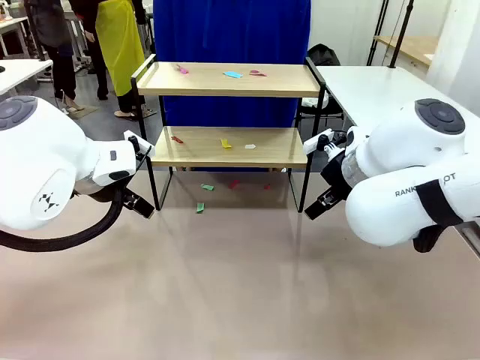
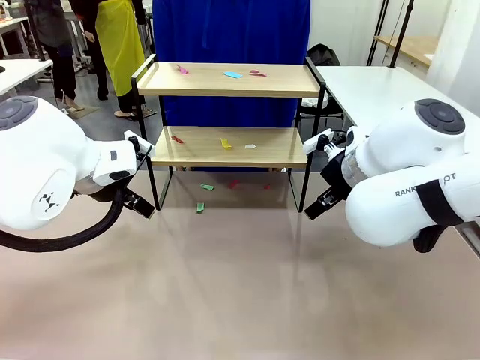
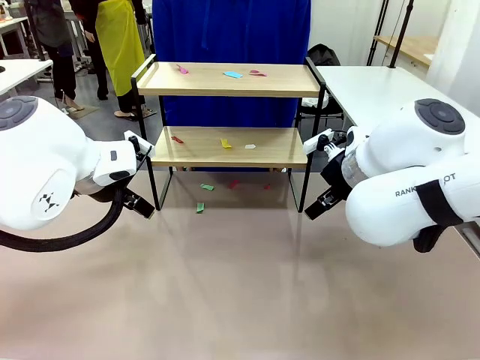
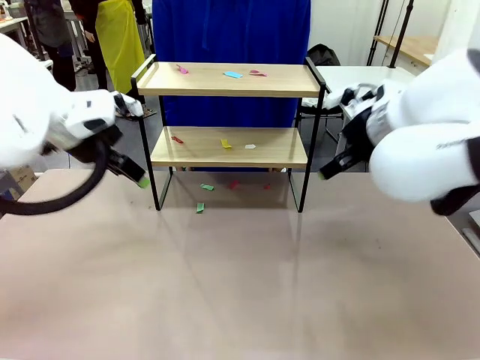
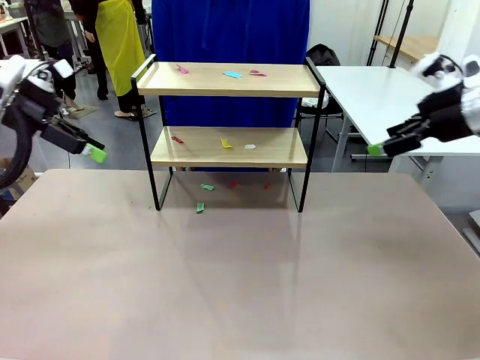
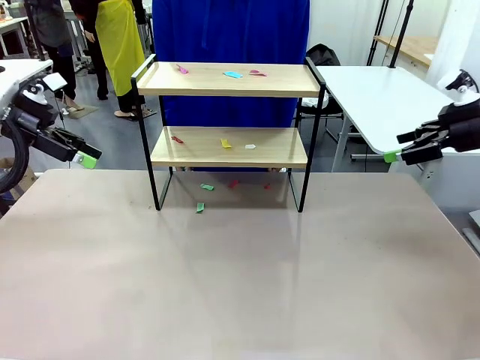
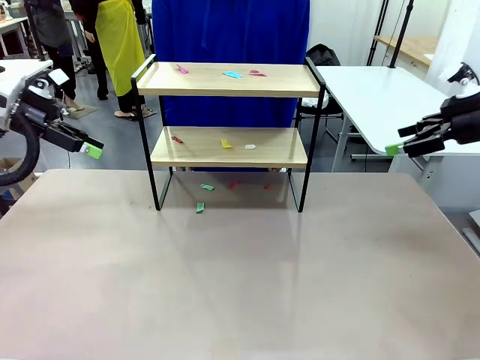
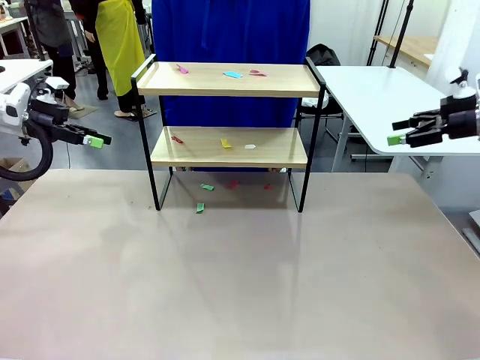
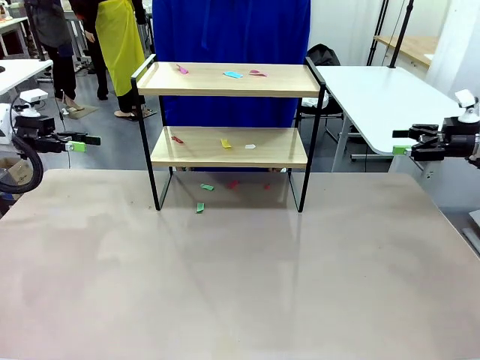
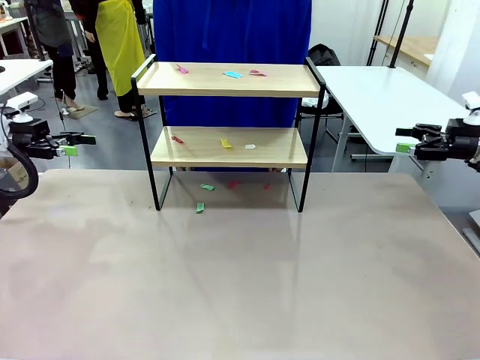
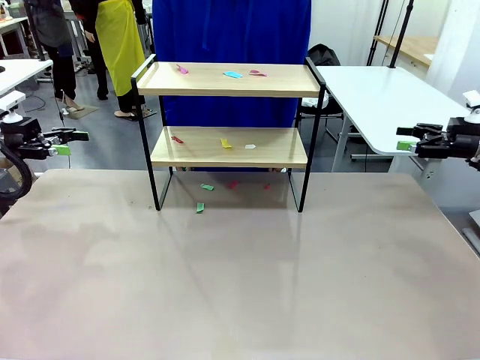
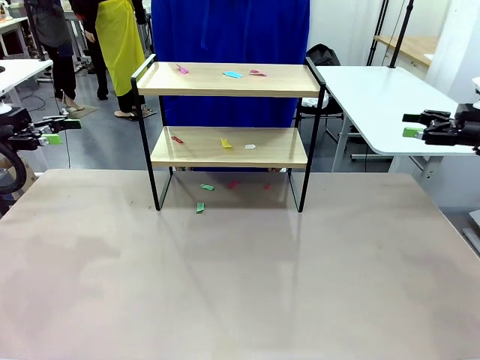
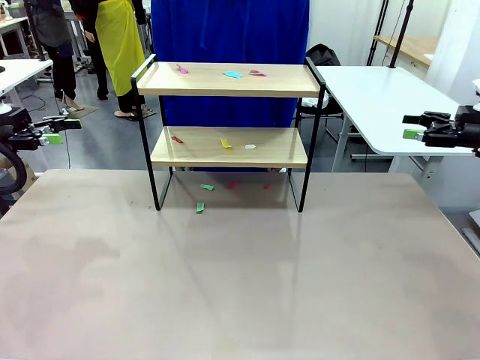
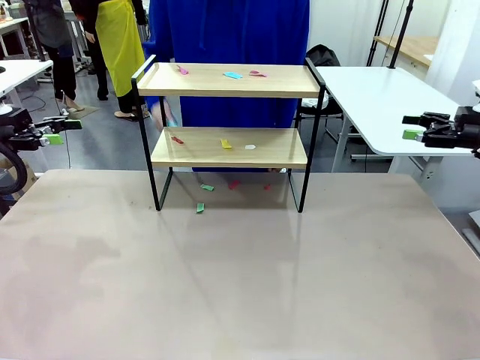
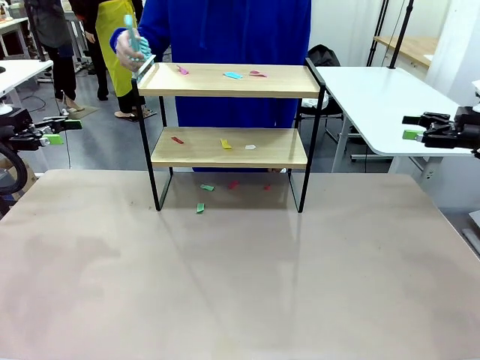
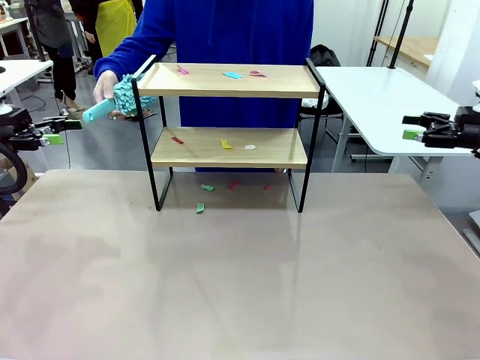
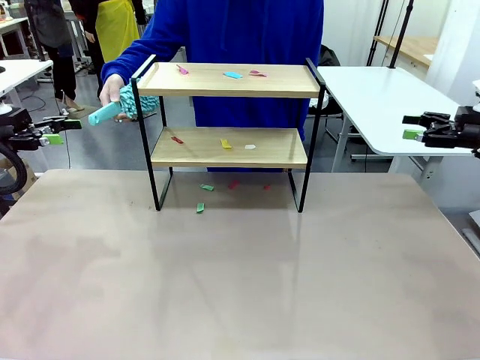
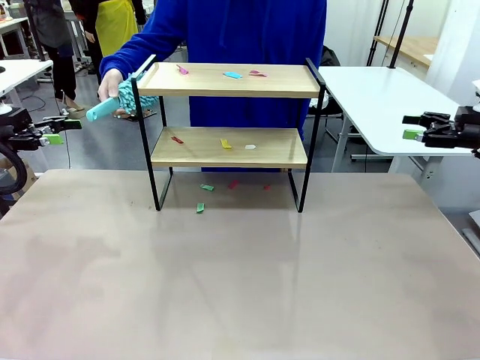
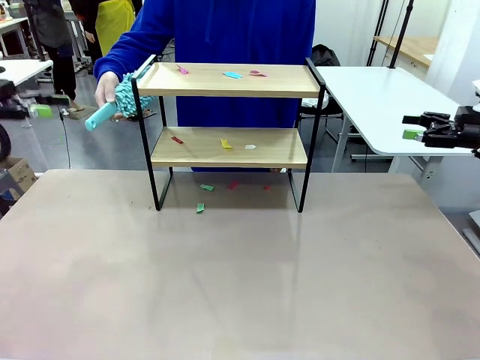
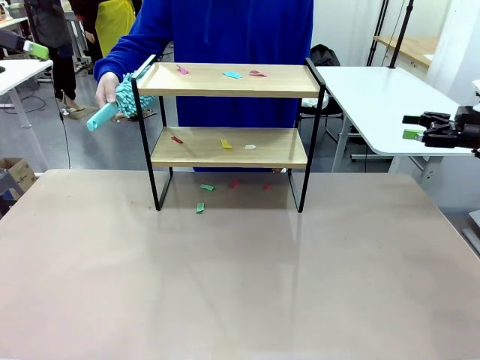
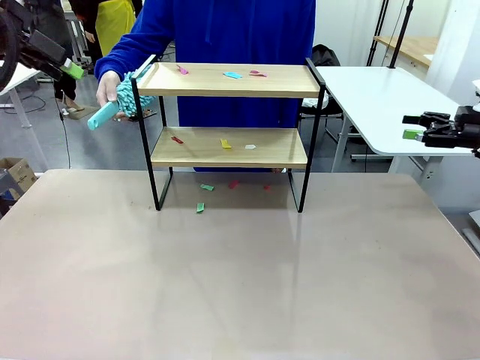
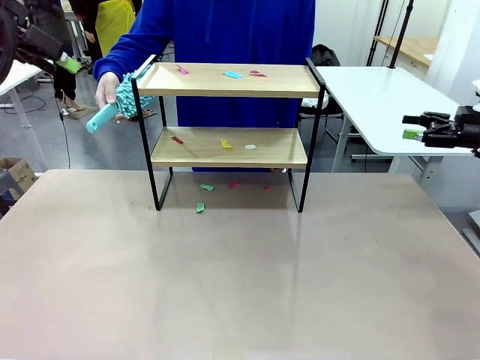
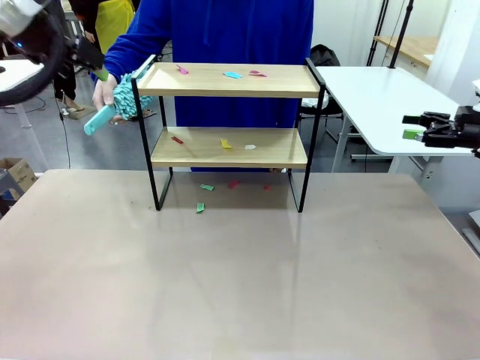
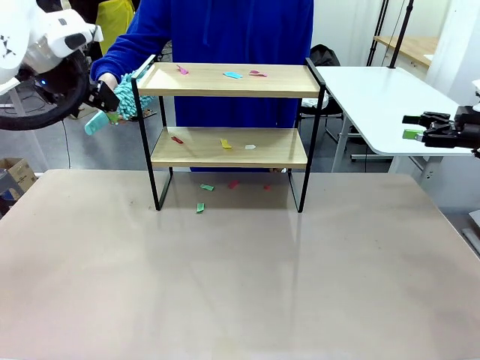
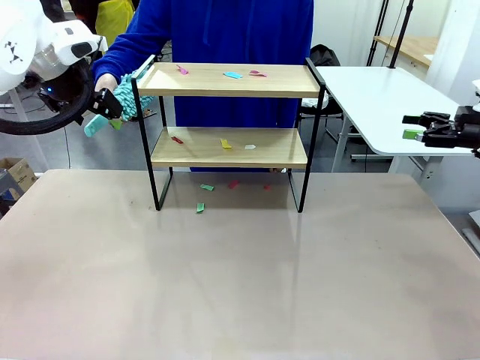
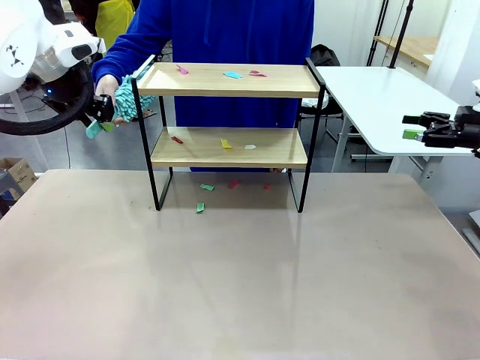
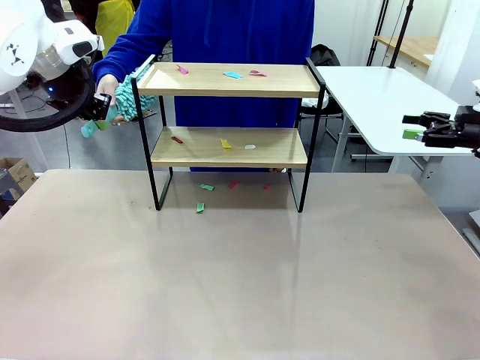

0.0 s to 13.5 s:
Task: Clean the shelf.
Robot: Pick up the Duster handed by the human.
Person: Hand the Duster to the robot.

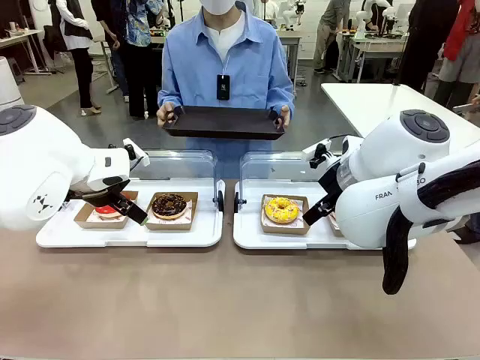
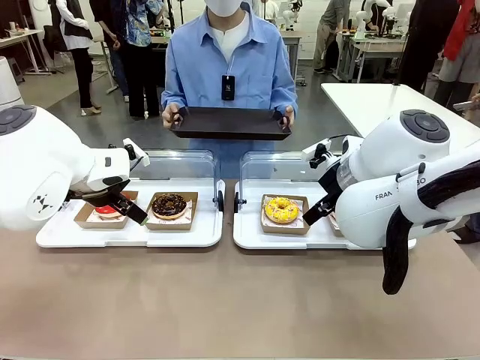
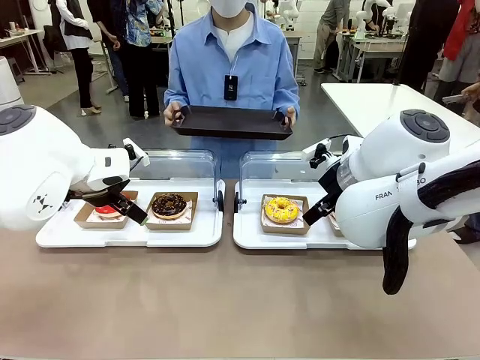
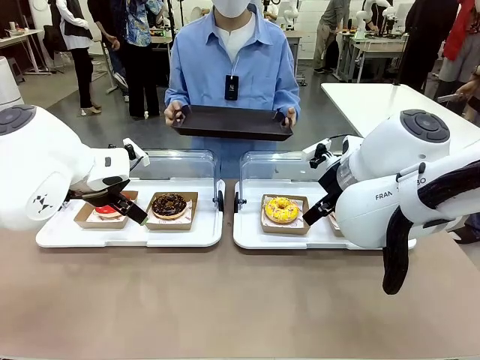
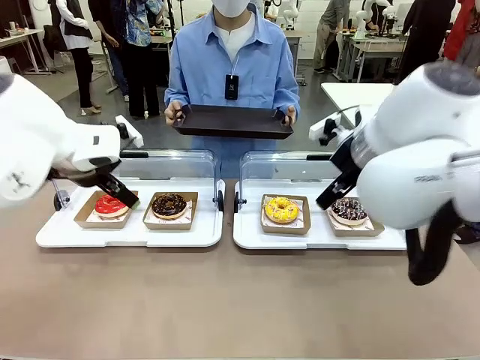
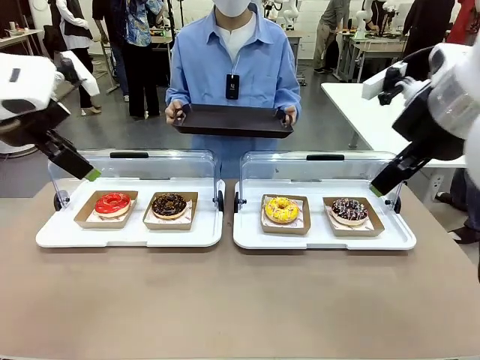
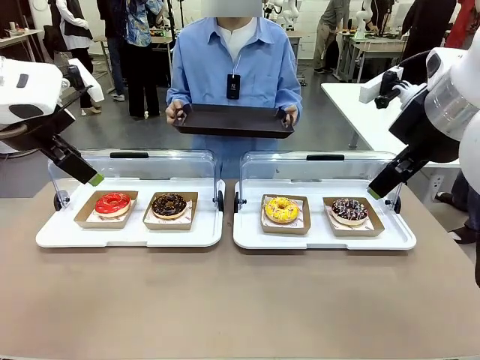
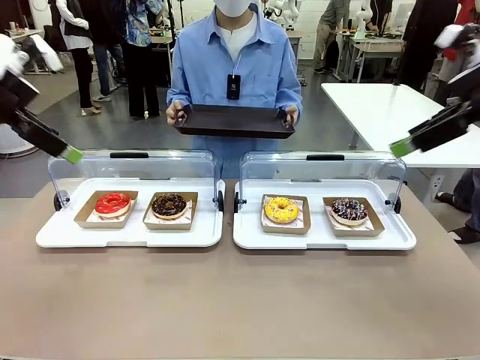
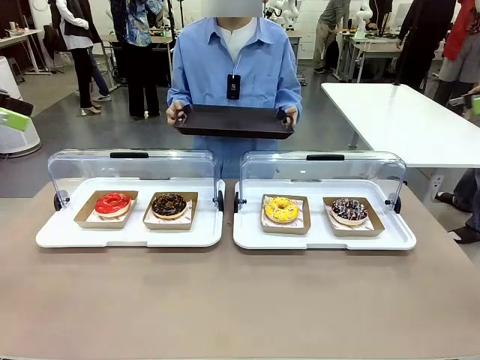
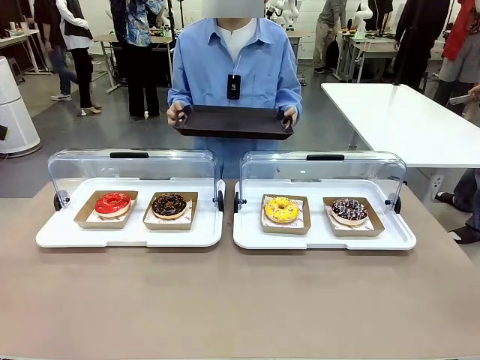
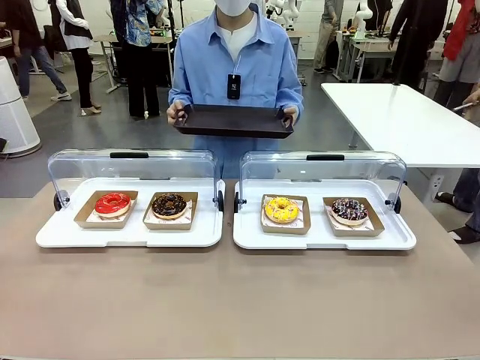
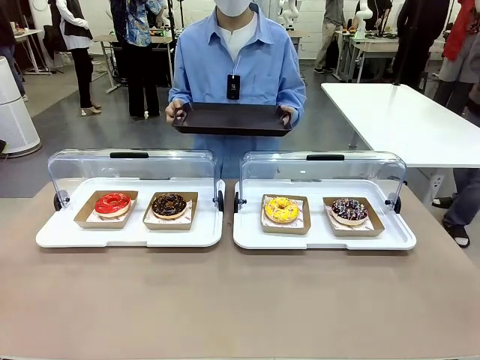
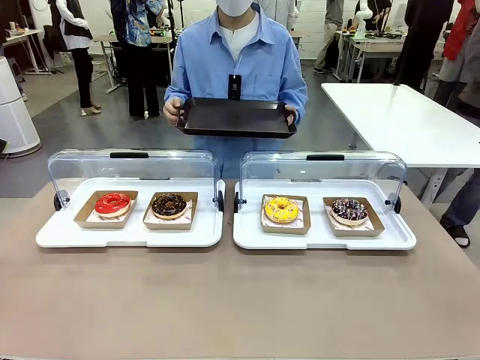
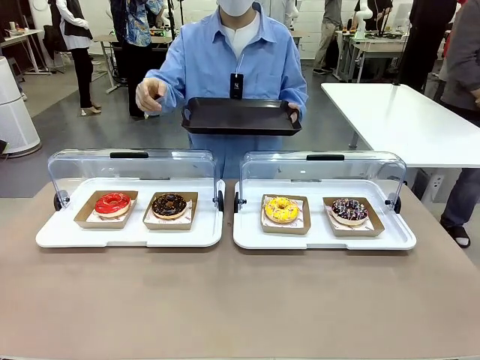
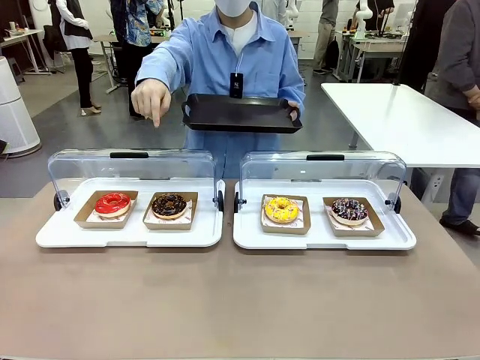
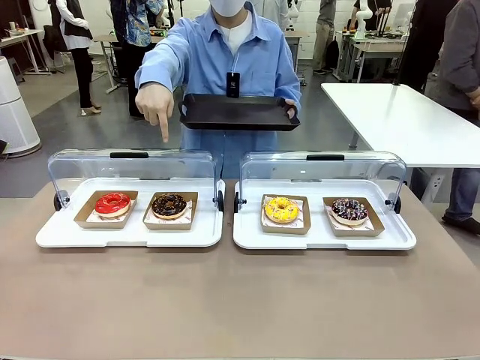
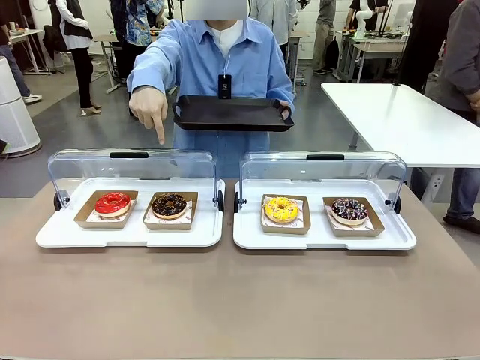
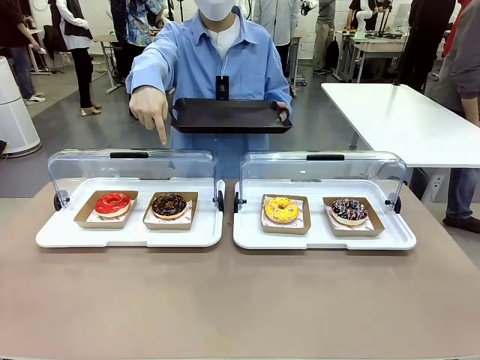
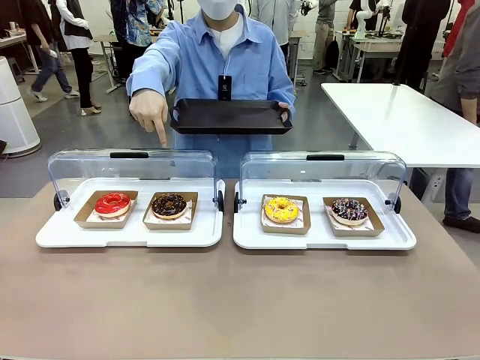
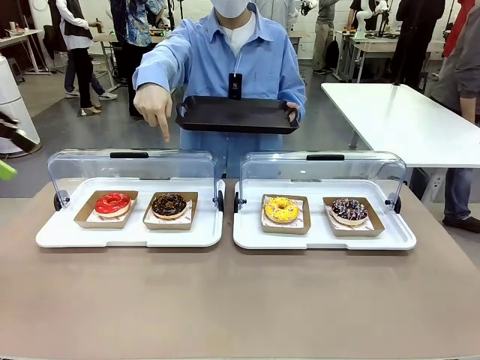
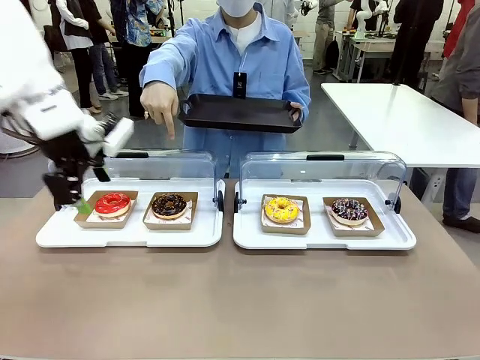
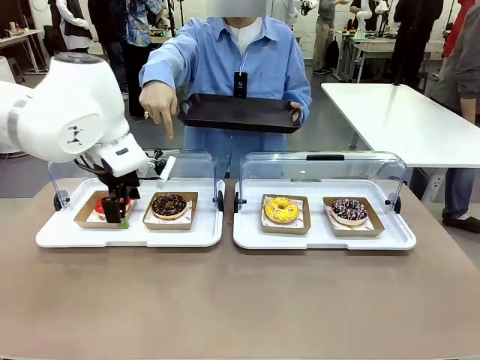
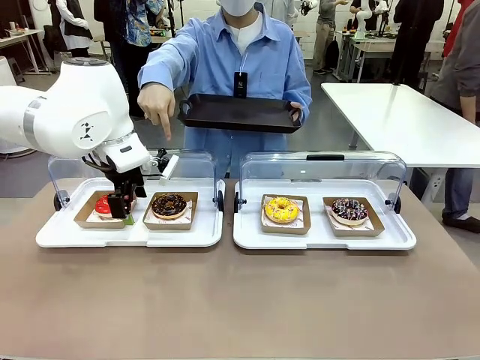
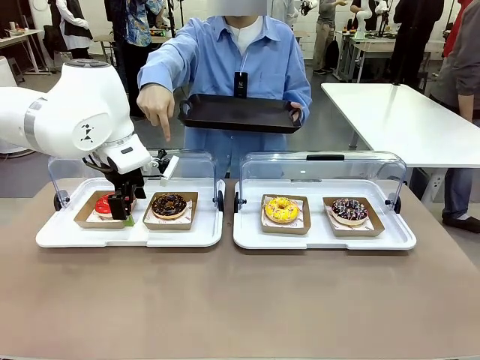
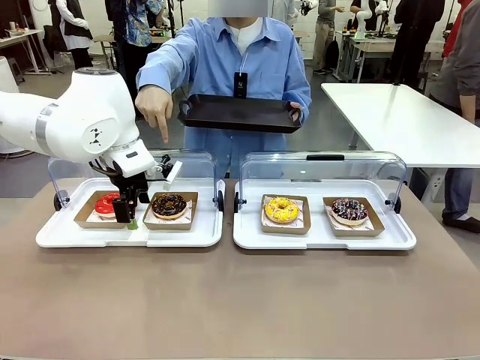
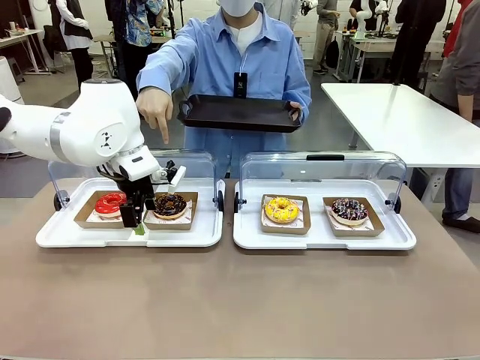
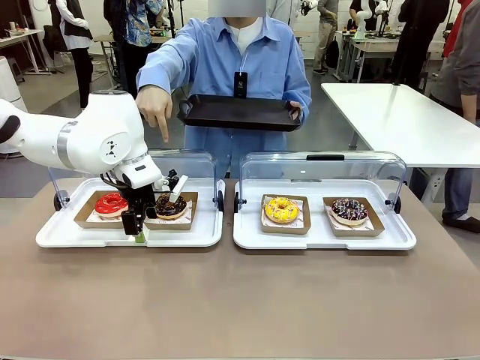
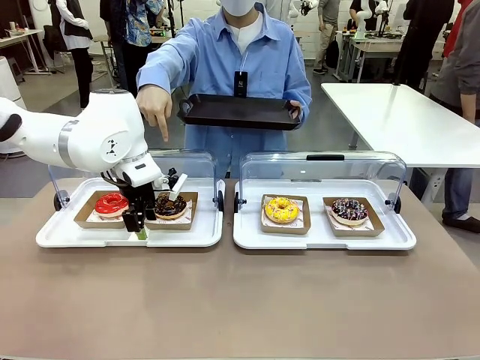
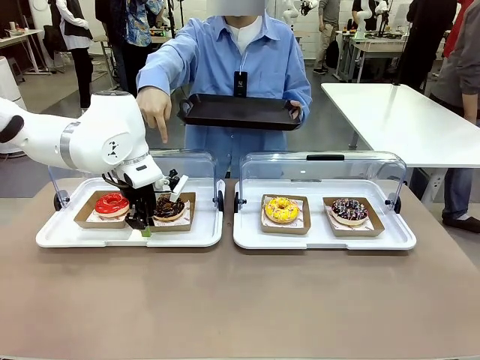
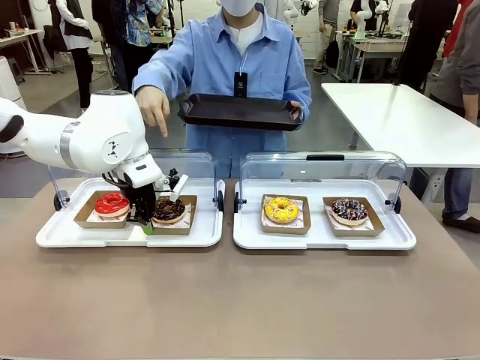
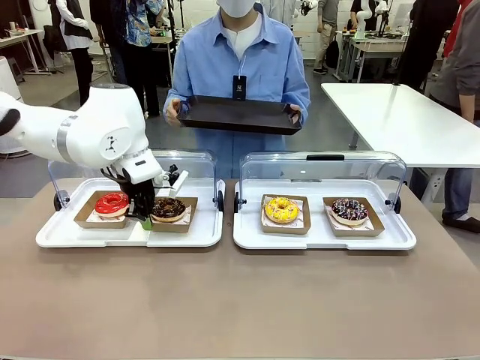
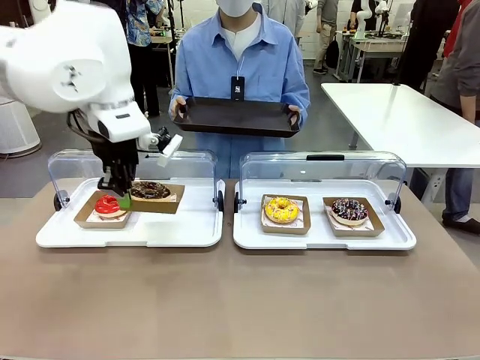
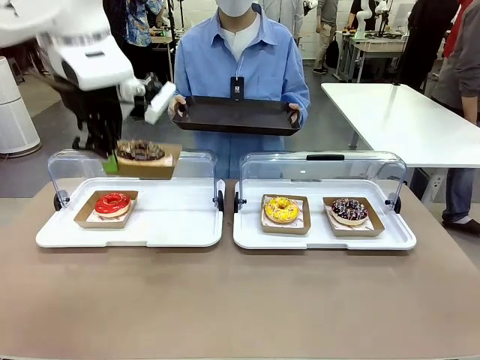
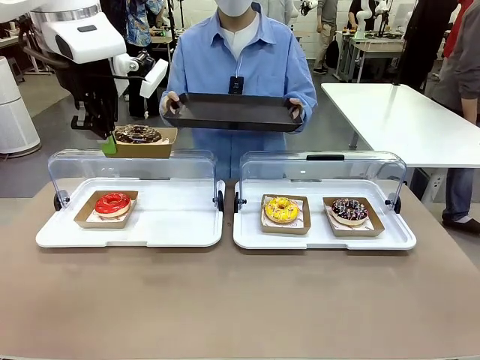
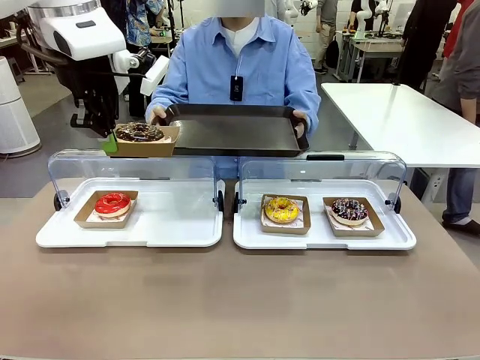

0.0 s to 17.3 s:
Task: Provide the desired donut to the person.
Robot: Pick up and lift the Paper togo box containing the Donut pointed at by the person.
Person: Point to one donut. Lift the tray onto the Roll-Top Bakery Case.
